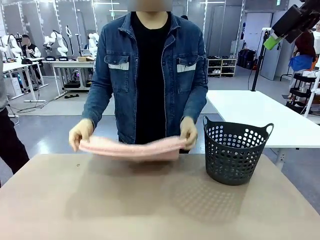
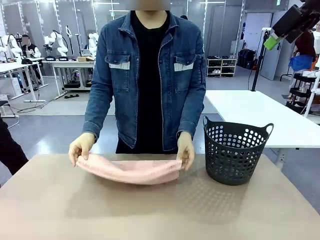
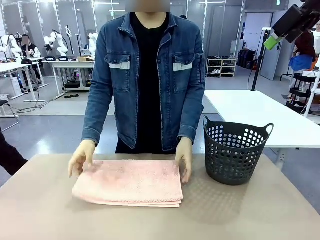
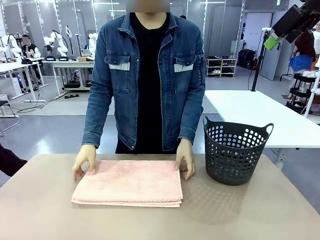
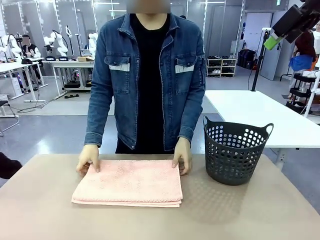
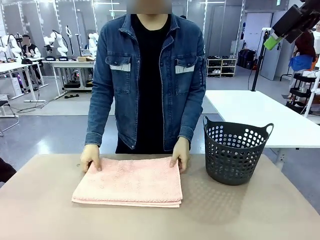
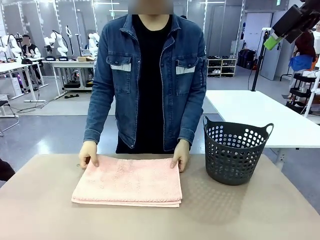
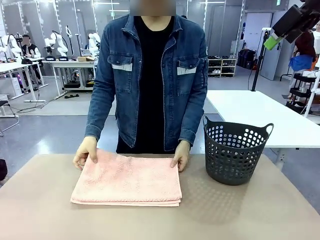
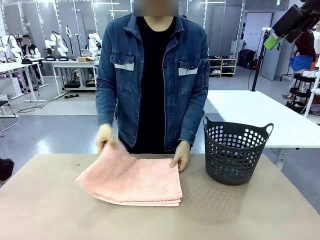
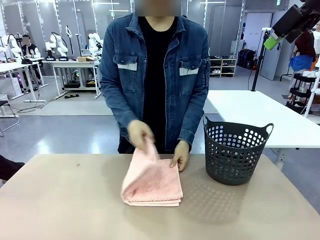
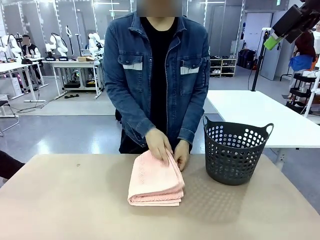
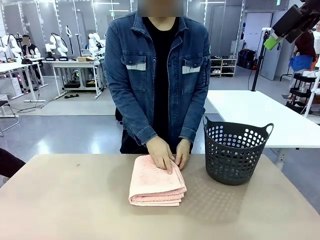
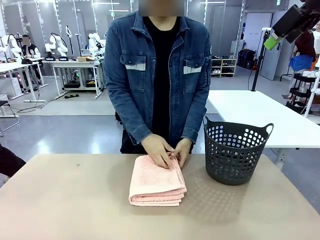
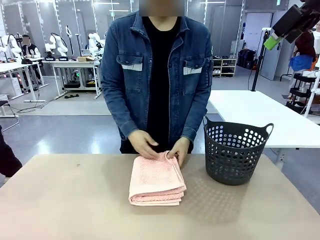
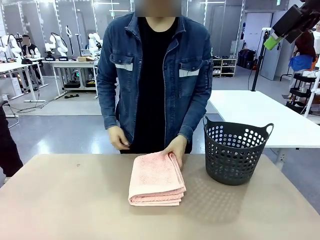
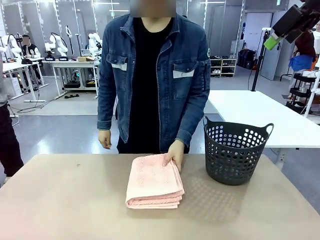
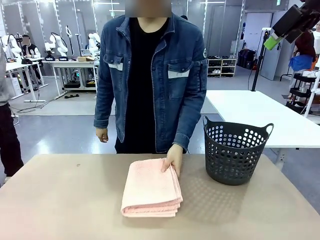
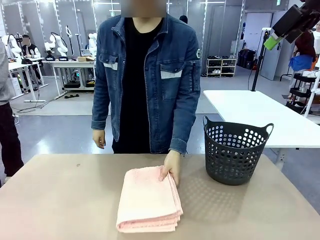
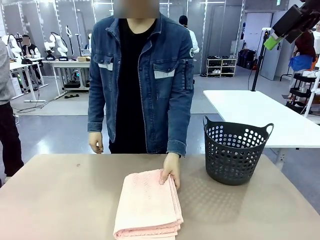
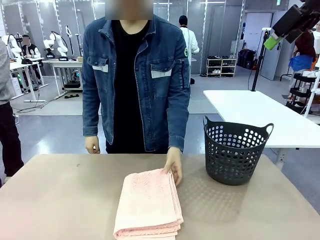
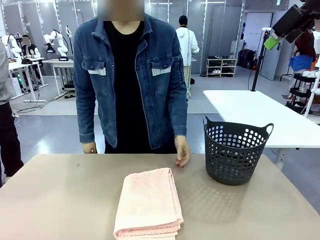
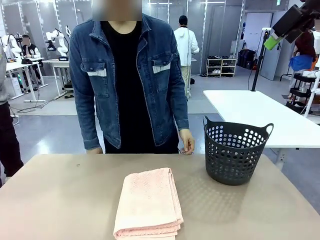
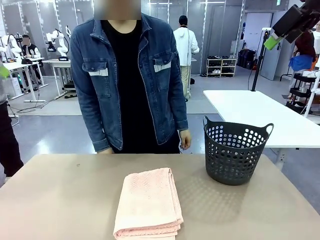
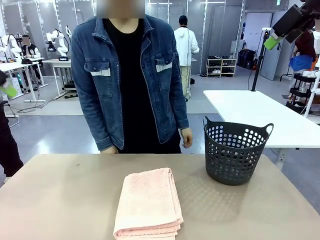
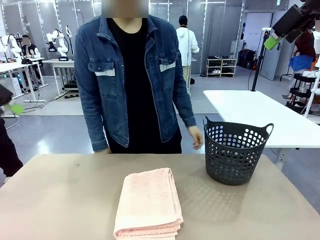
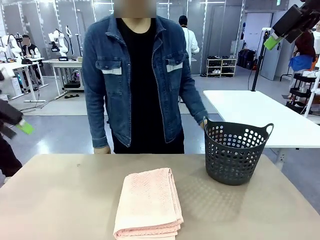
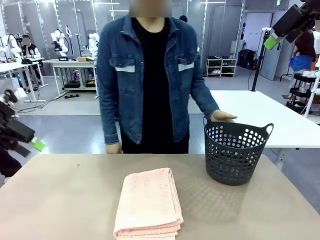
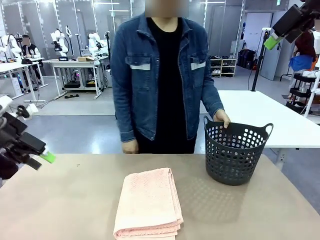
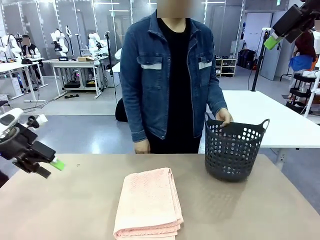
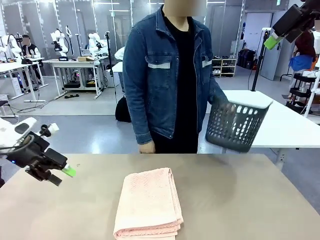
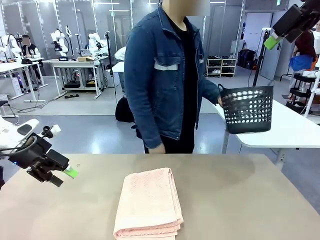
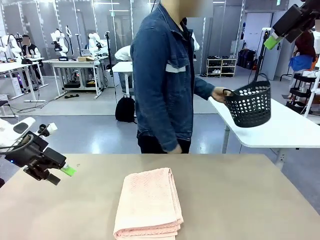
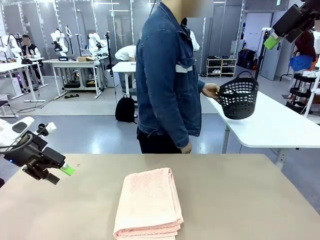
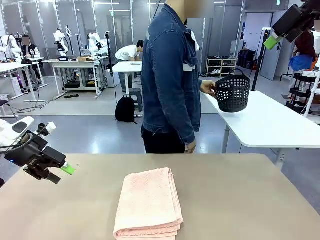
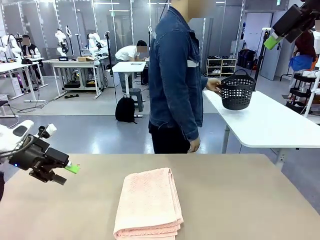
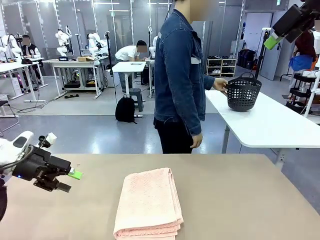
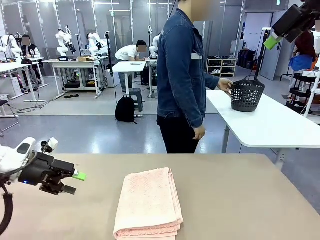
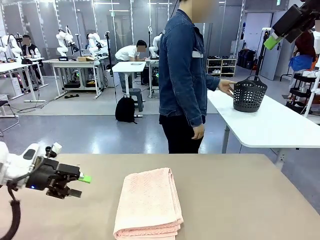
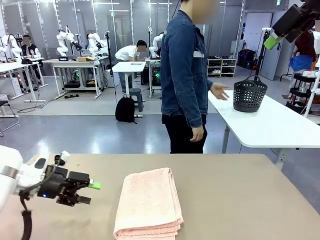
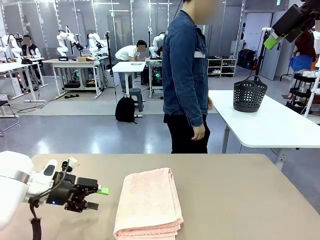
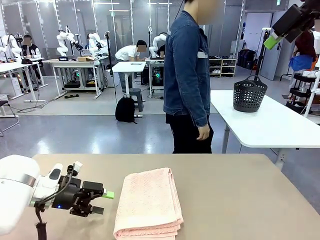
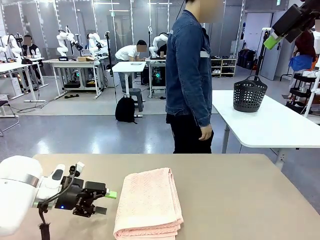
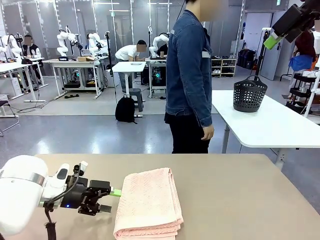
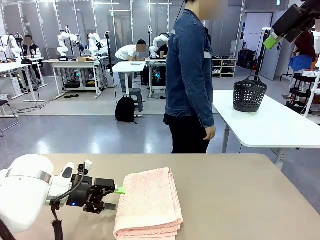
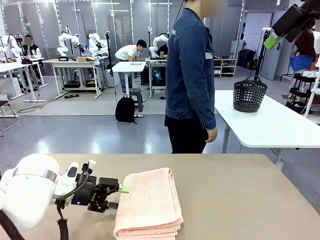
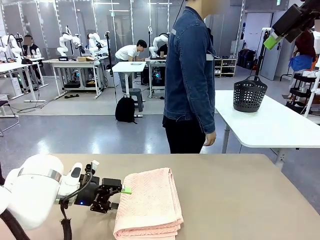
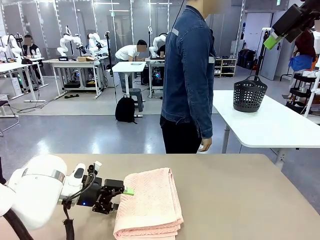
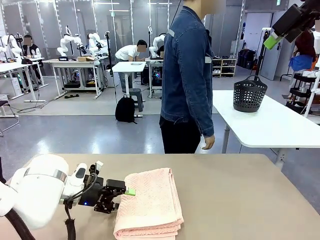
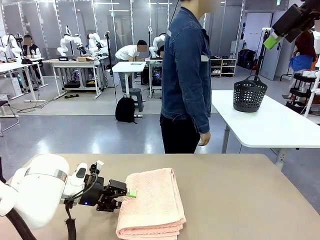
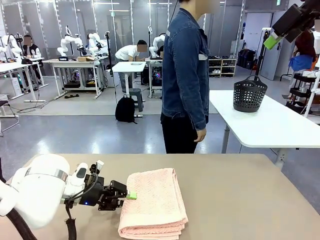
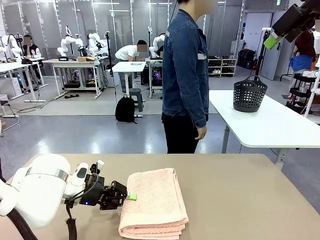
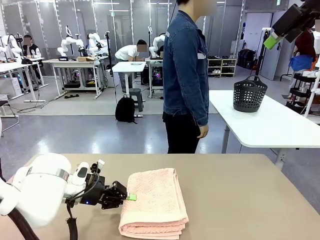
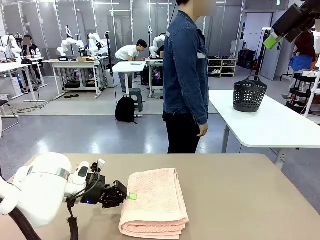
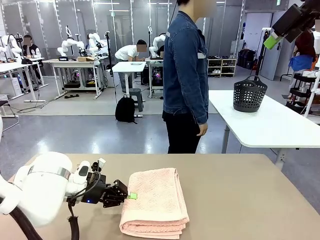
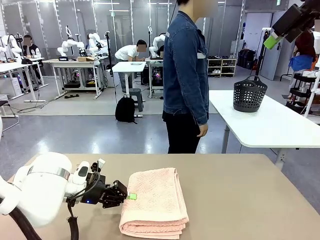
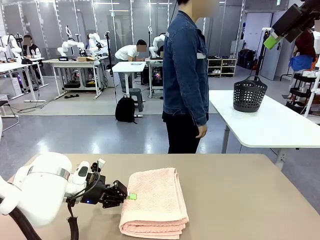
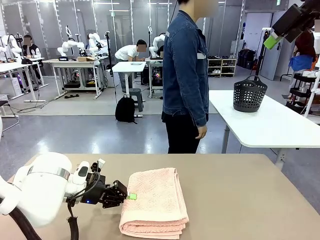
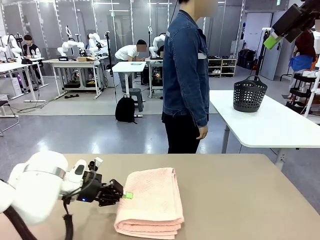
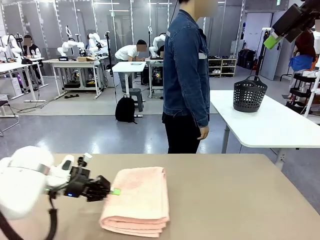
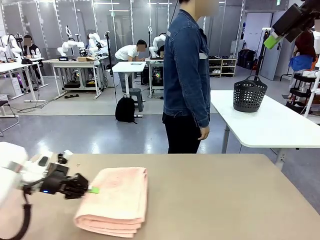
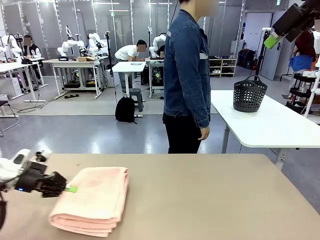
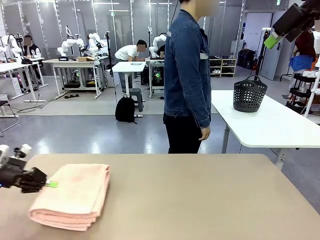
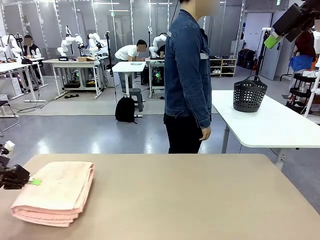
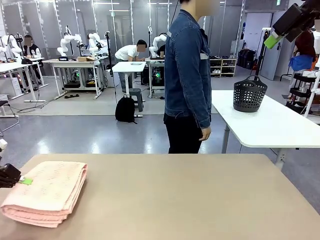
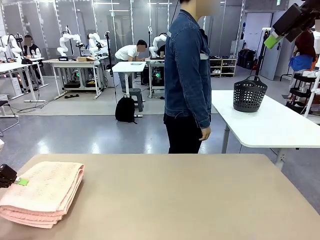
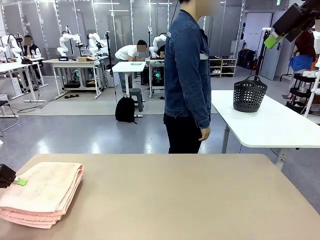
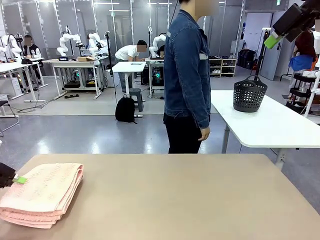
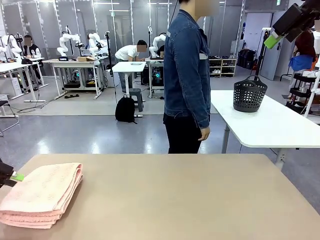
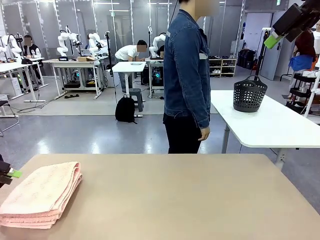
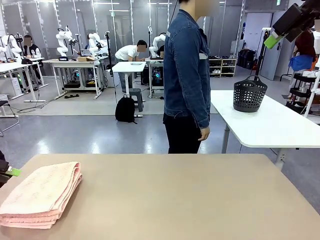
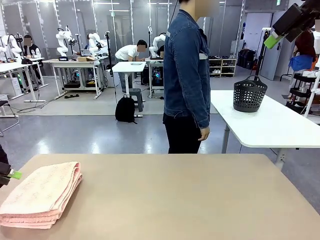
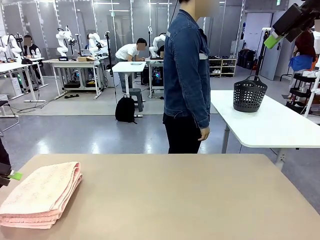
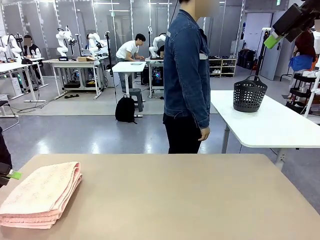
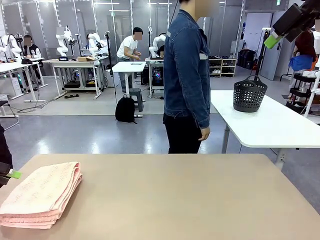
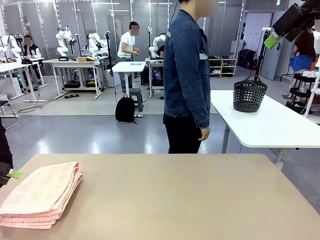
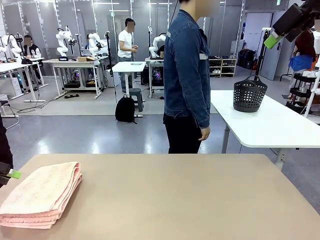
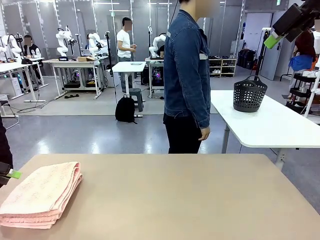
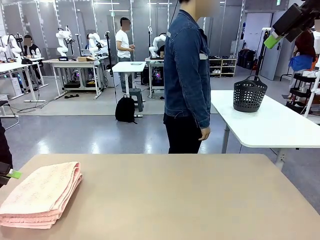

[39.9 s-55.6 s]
Task: Fold the towel.
Robot: Pick up the 100 cm Hotel Towel and place it on the left side of the table.
Person: Place the towel at the center of the robot table and fold it in half. Pick up the laundry basket and place it at the center of the human table.
